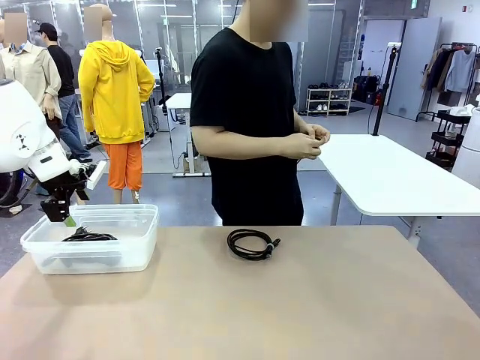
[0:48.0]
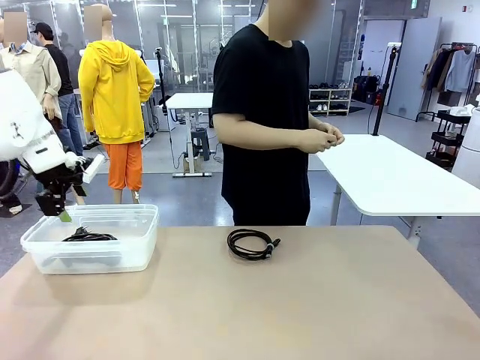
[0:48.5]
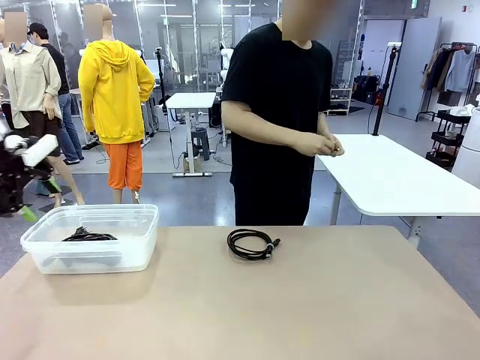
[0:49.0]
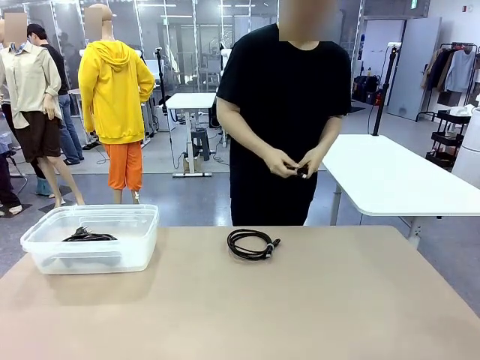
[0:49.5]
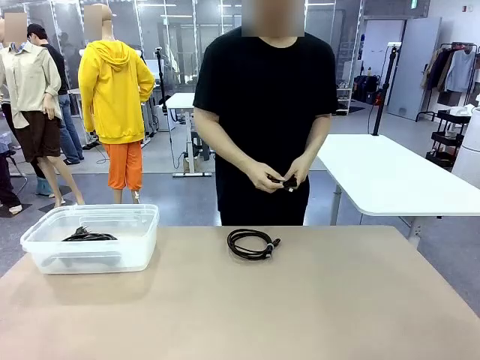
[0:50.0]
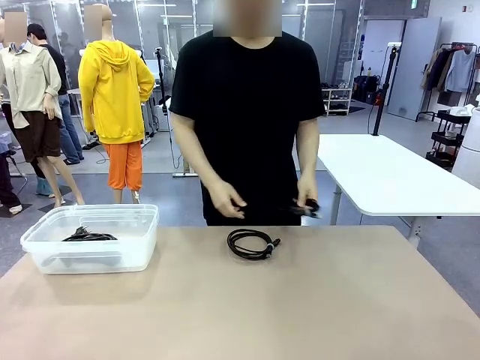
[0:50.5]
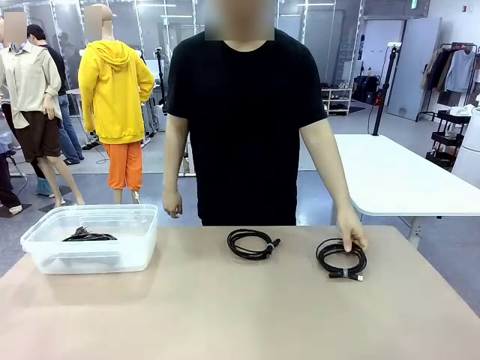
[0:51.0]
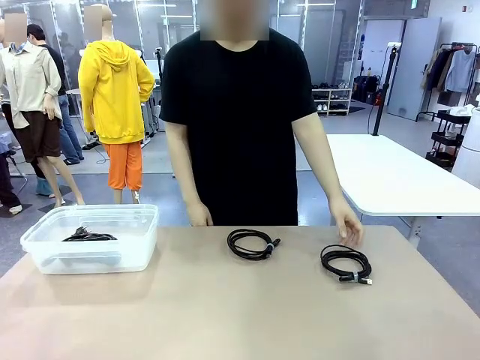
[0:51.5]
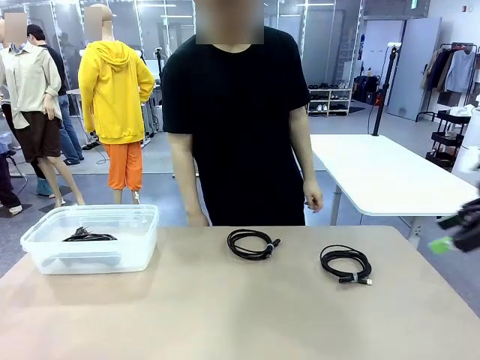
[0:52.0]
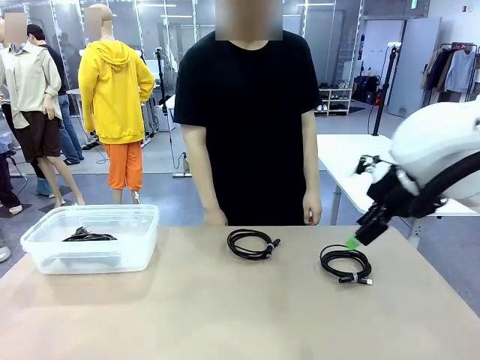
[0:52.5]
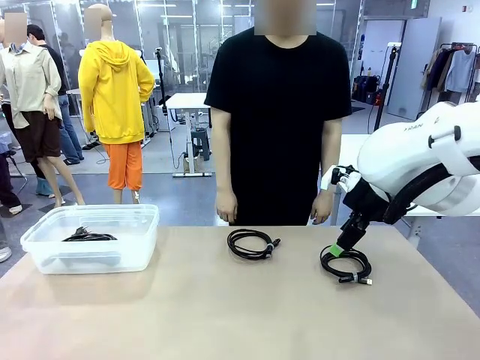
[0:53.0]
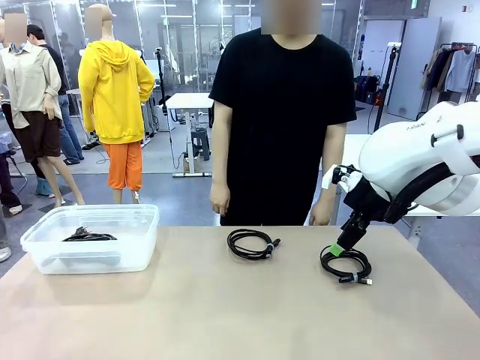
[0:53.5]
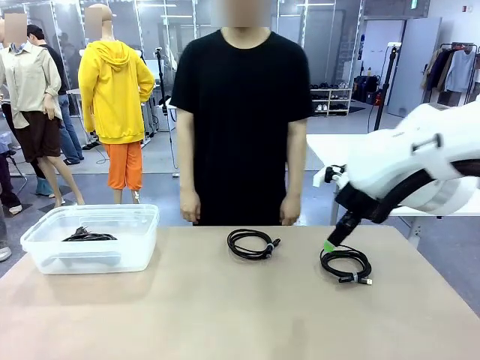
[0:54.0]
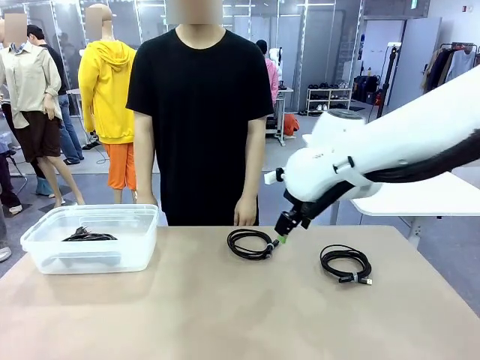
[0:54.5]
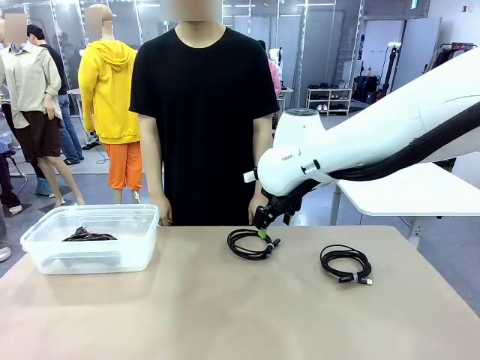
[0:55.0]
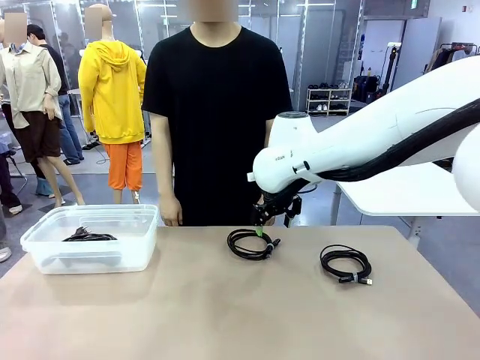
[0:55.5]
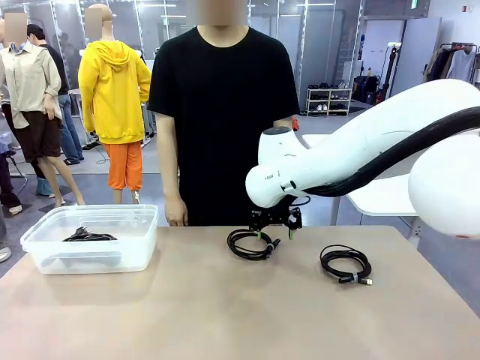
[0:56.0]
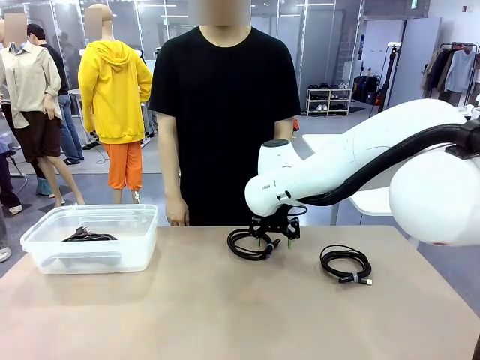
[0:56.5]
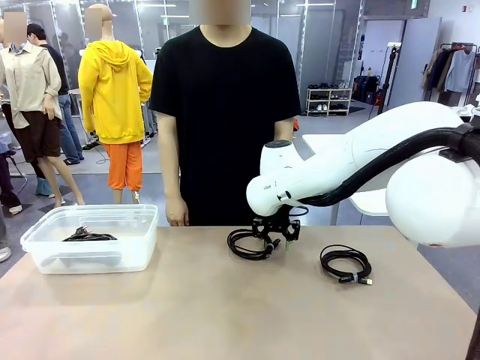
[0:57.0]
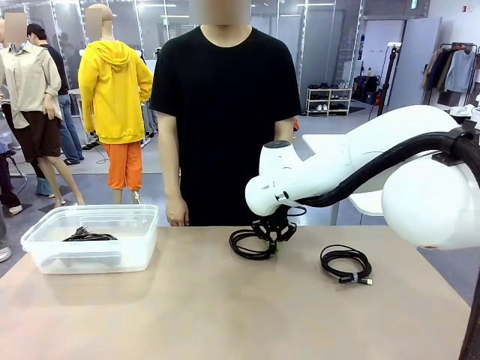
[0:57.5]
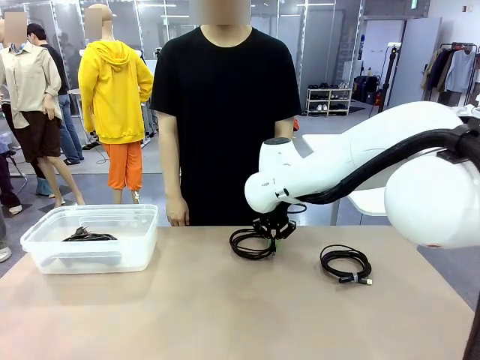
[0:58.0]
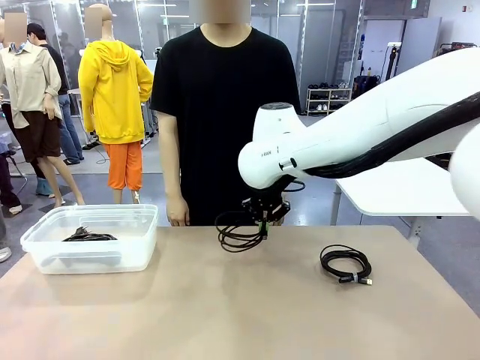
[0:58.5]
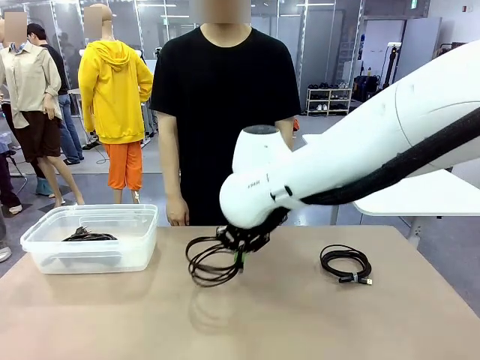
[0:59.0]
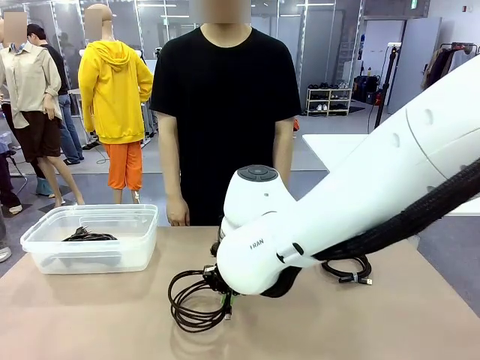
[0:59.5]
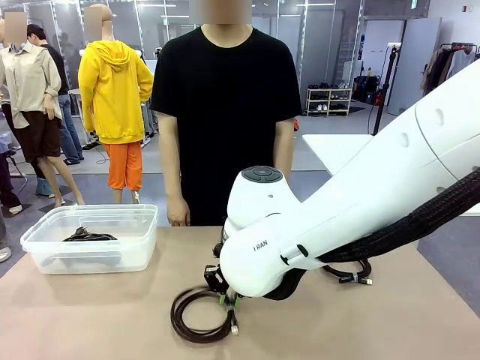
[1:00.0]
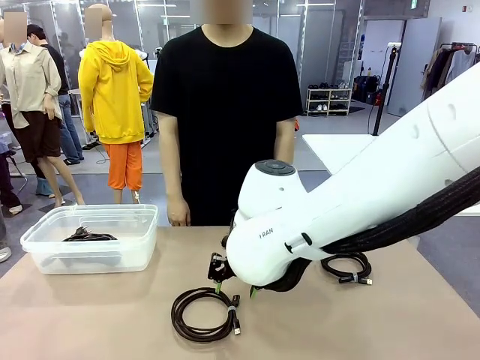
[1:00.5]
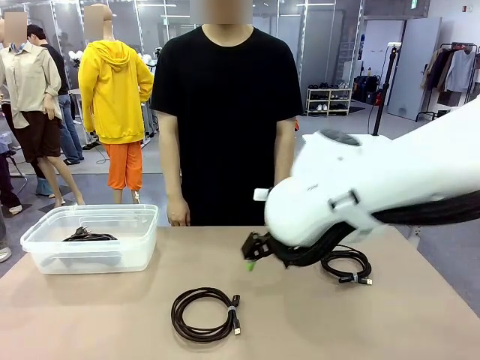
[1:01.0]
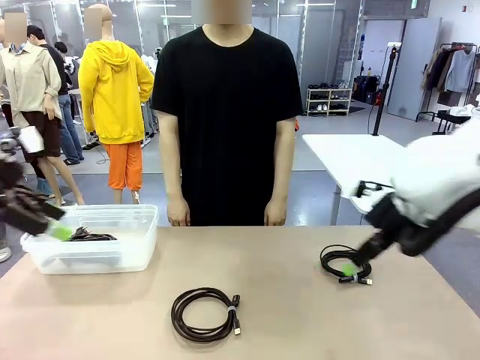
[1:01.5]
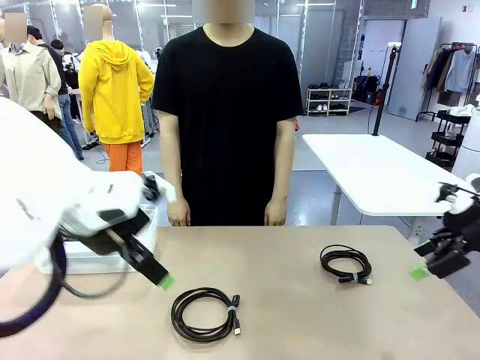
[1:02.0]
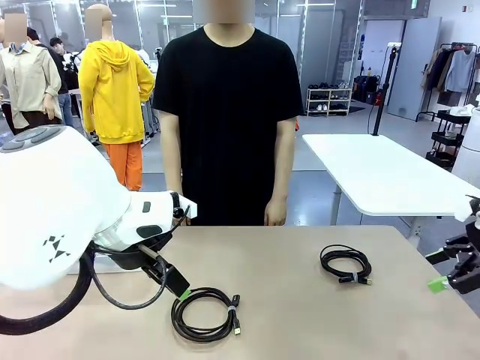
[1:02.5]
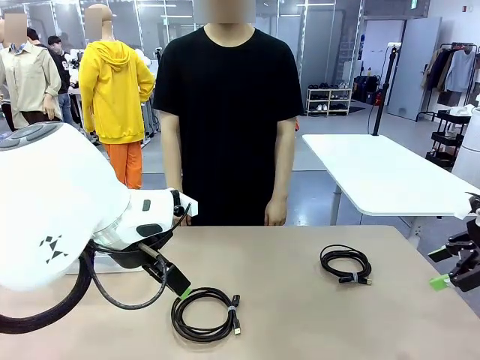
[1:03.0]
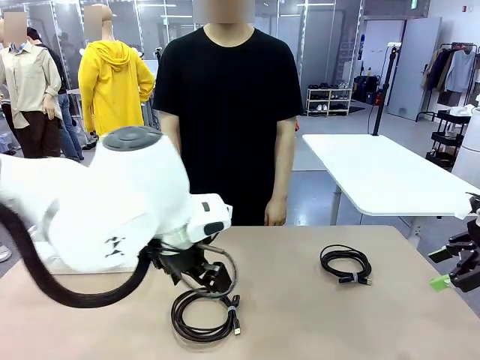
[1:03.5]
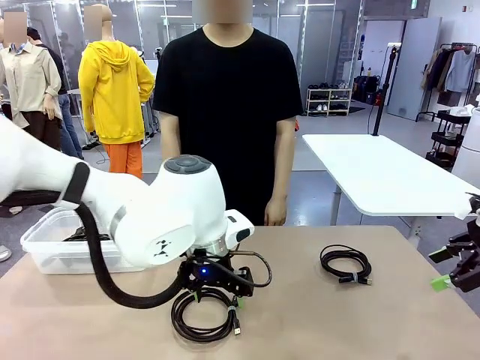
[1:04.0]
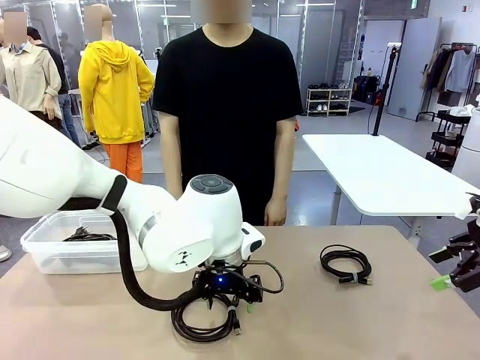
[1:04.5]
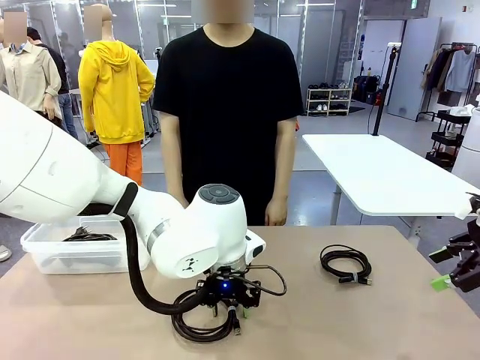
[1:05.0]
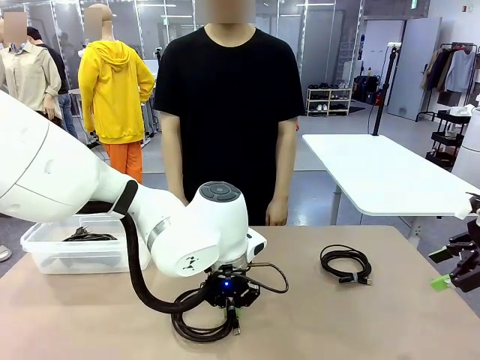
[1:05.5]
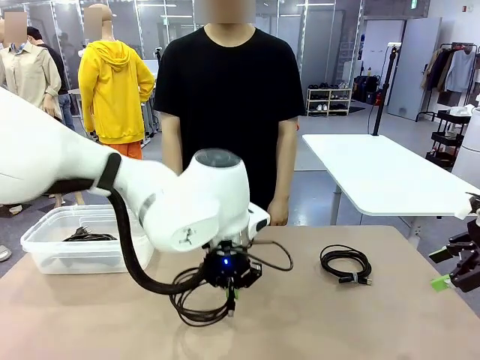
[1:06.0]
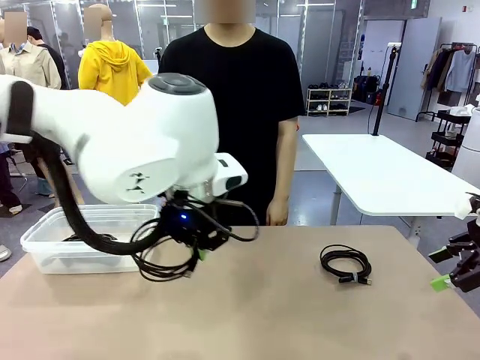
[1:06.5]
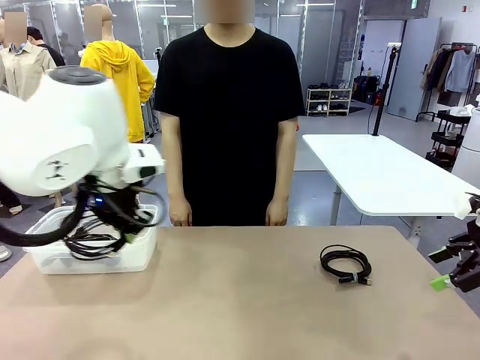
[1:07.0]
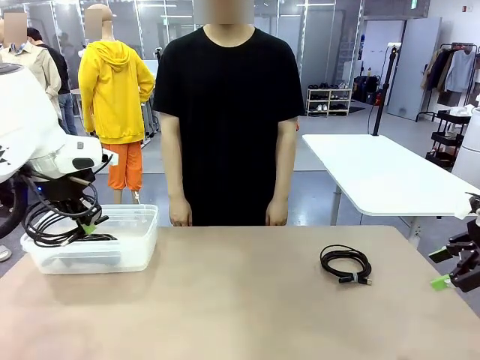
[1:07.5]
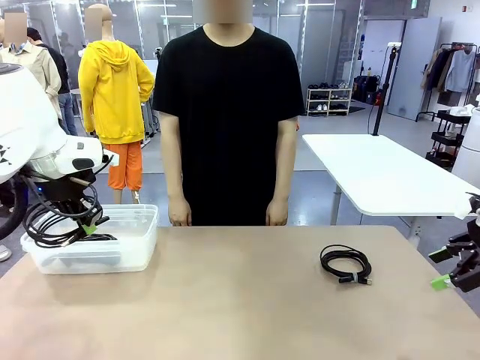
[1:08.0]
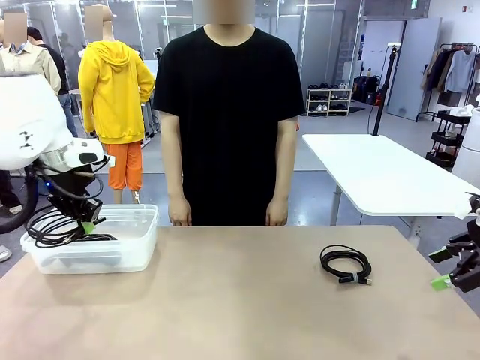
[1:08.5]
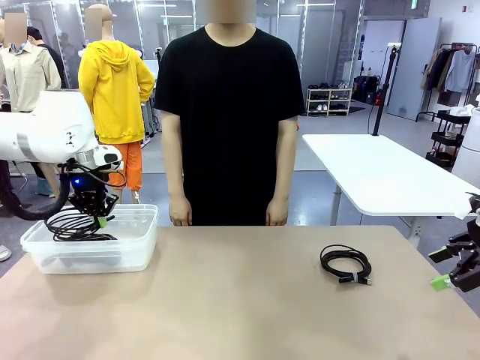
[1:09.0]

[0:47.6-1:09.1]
Task: Organize and store the cables.
Robot: Place the USB Extension Cable into the Organizing box.

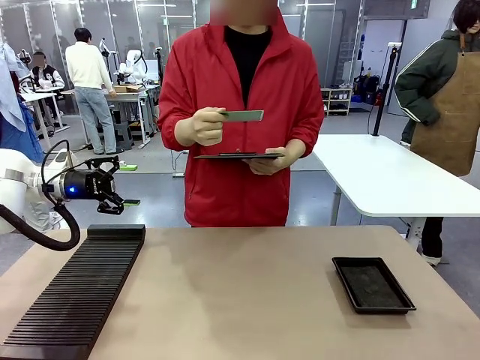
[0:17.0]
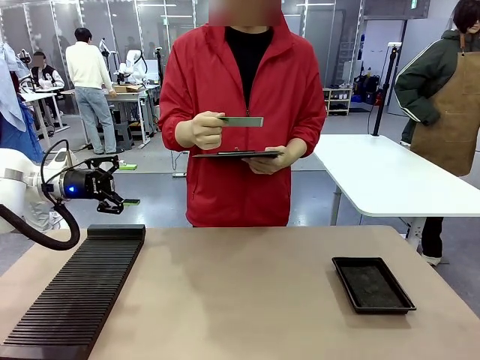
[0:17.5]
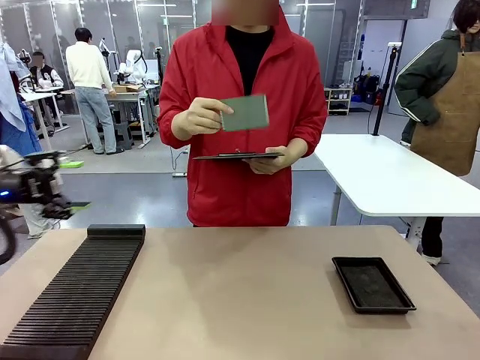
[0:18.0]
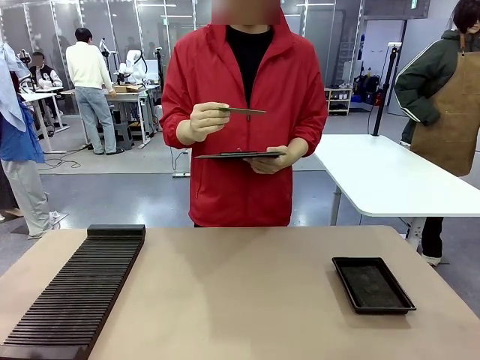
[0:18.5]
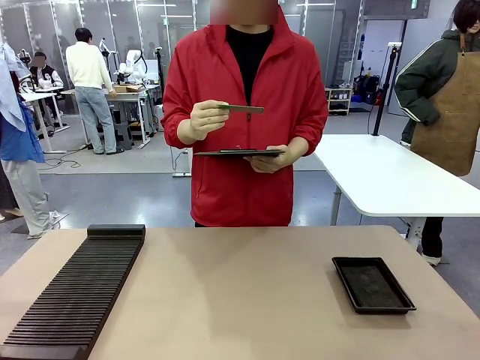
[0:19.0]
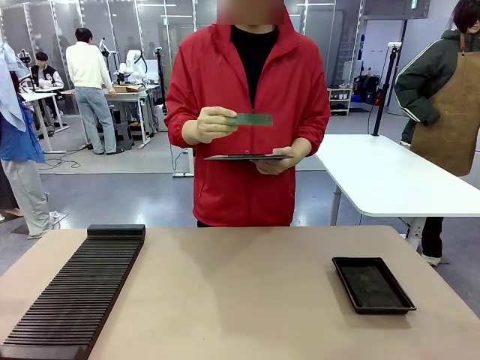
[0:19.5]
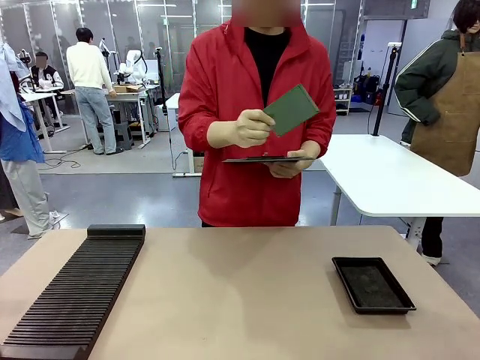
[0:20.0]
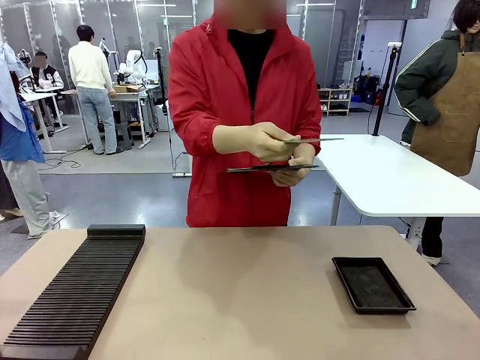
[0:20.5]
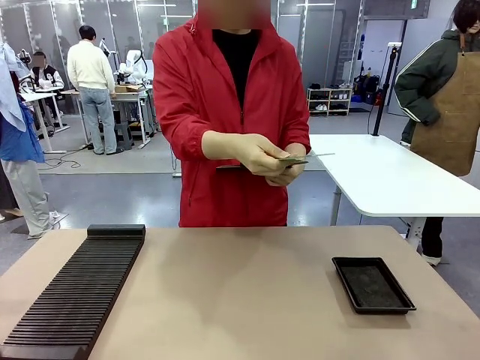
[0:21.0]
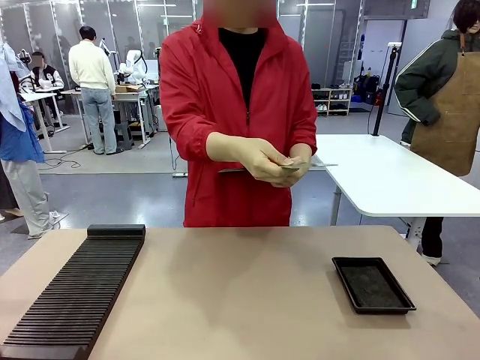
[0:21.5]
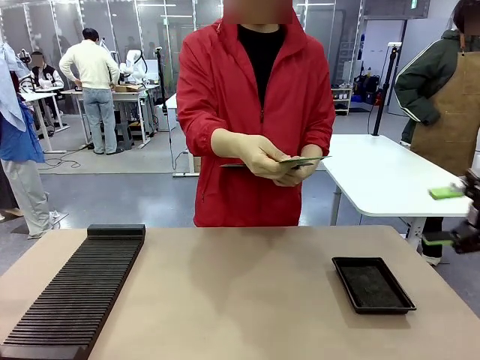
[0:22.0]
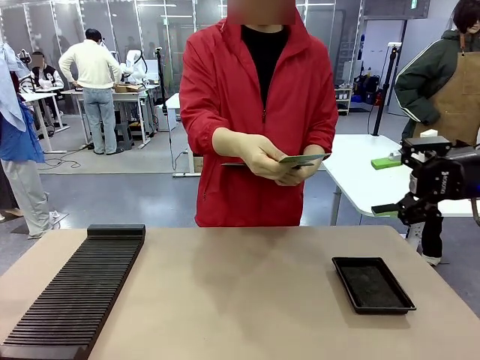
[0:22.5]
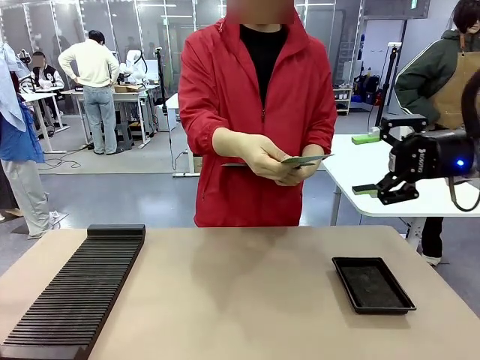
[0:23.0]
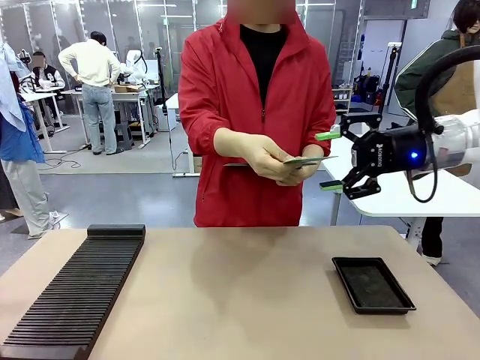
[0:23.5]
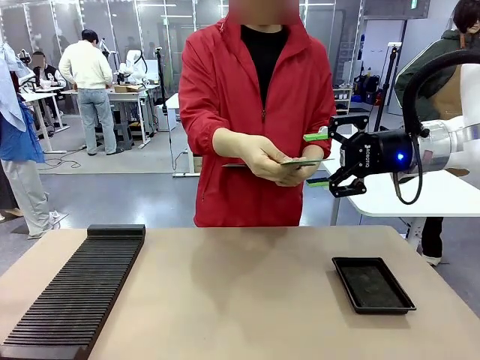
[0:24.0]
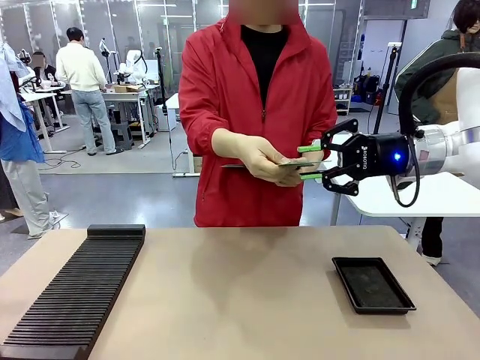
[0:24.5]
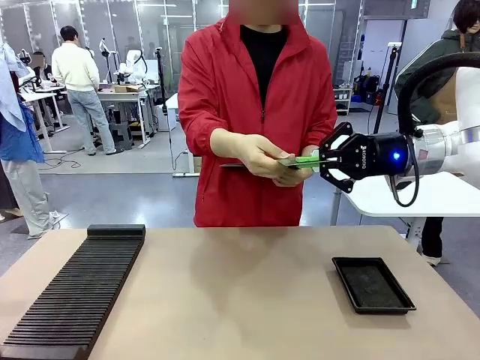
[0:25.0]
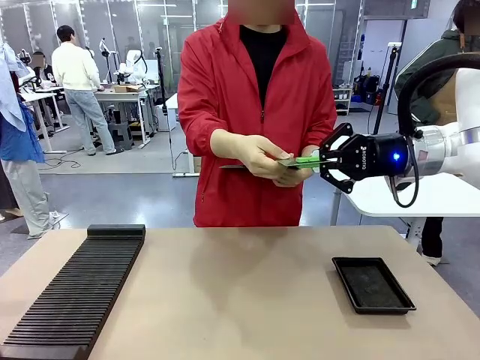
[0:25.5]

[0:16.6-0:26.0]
Task: Inspect the PCB.
Robot: Pick up the Blank PCB that the human is holding.
Person: Inspect the PCB placed by the robot, then hold it out in front of the robot. Release the PCB you were holding.
